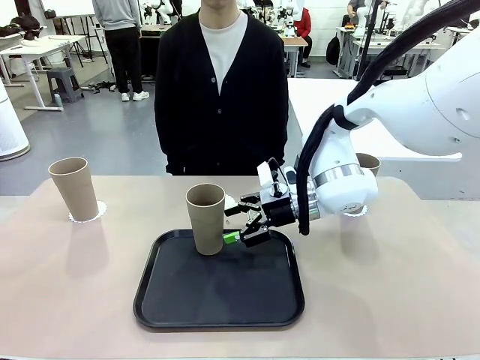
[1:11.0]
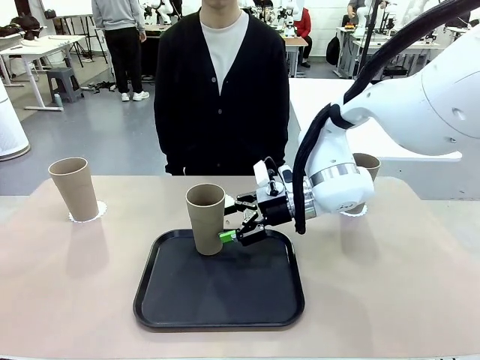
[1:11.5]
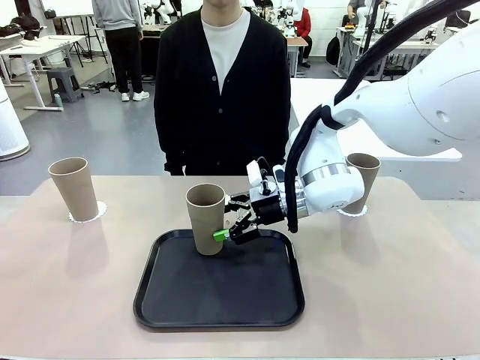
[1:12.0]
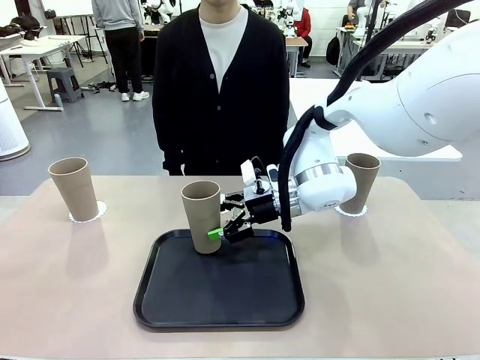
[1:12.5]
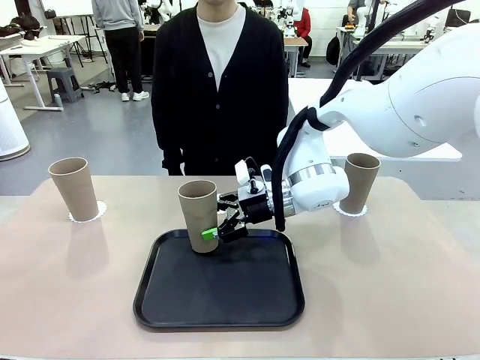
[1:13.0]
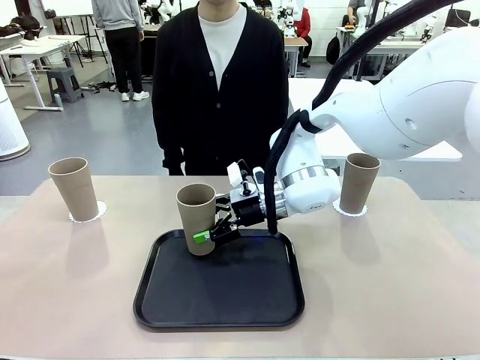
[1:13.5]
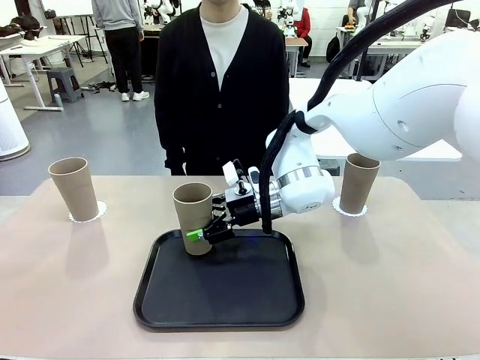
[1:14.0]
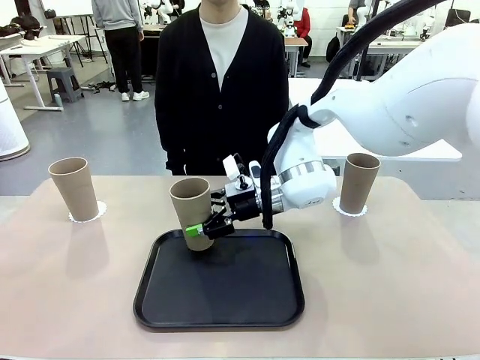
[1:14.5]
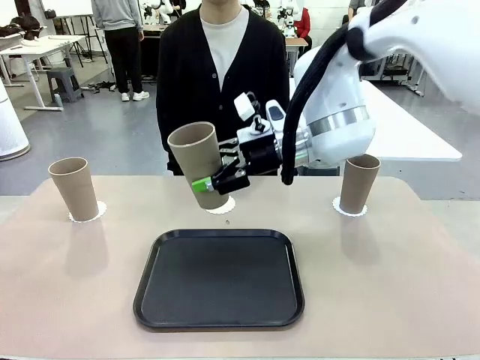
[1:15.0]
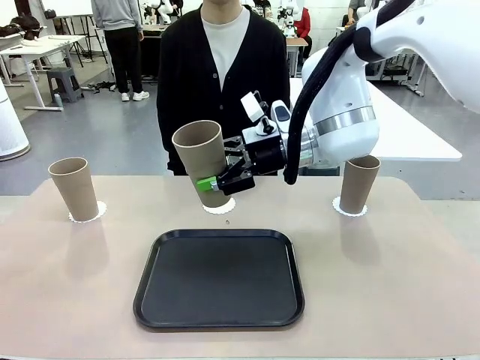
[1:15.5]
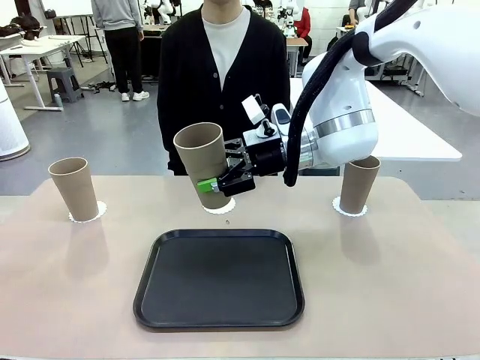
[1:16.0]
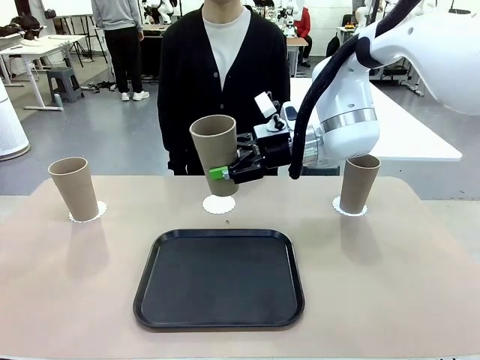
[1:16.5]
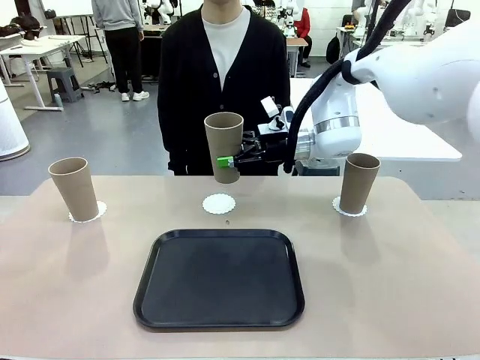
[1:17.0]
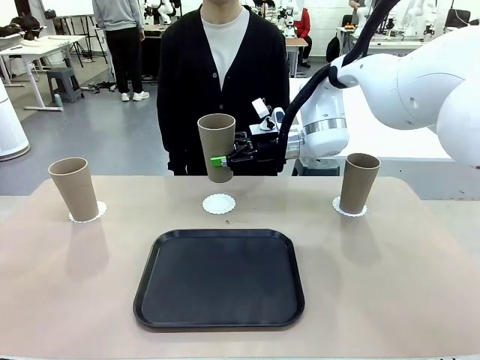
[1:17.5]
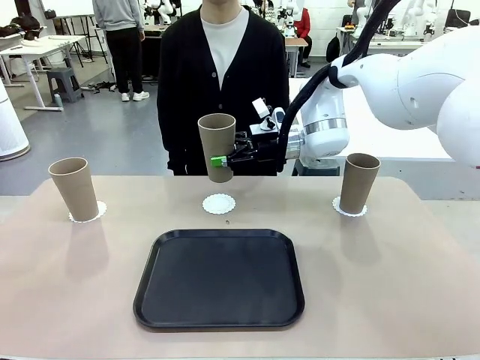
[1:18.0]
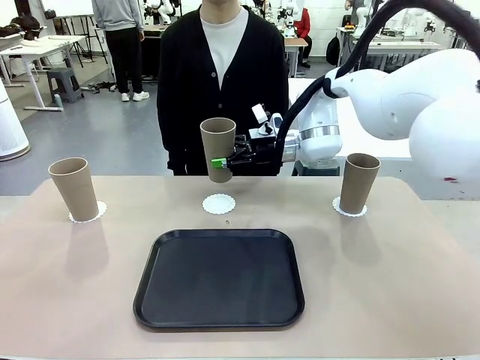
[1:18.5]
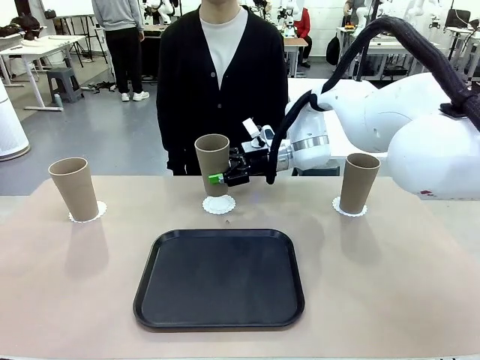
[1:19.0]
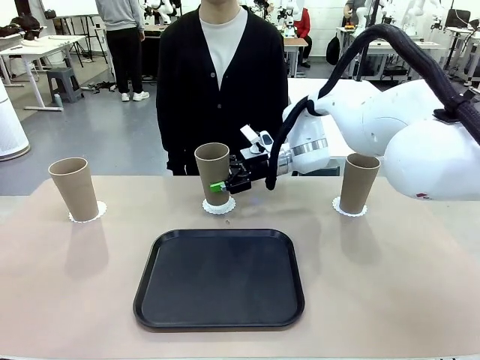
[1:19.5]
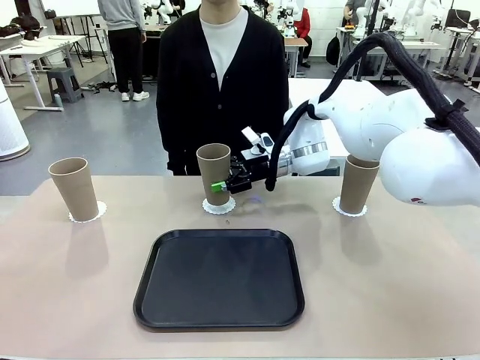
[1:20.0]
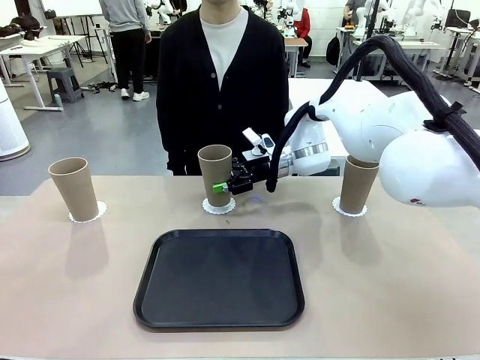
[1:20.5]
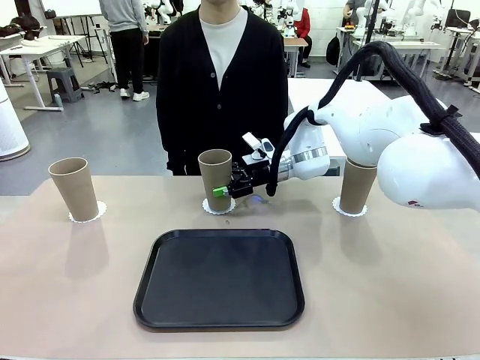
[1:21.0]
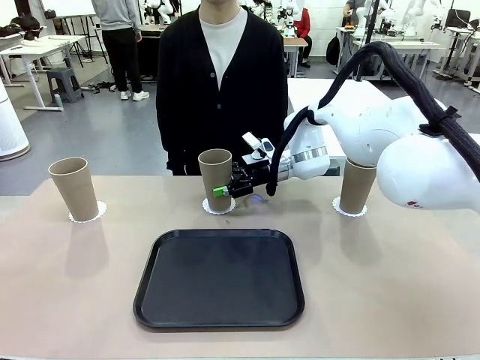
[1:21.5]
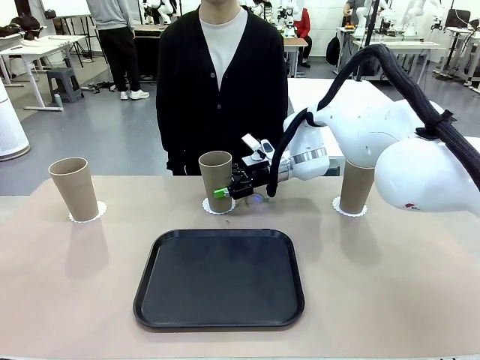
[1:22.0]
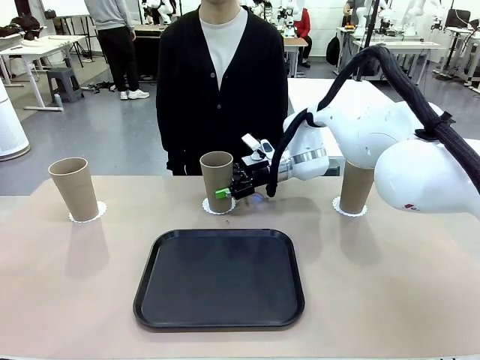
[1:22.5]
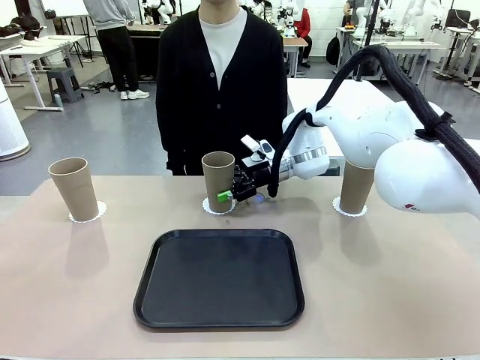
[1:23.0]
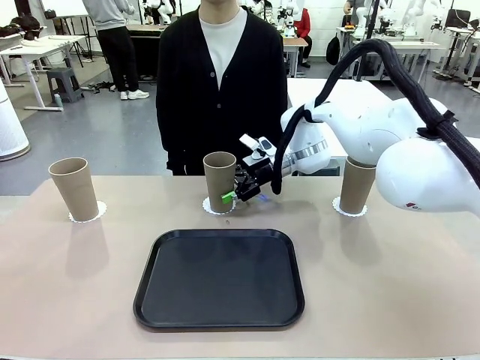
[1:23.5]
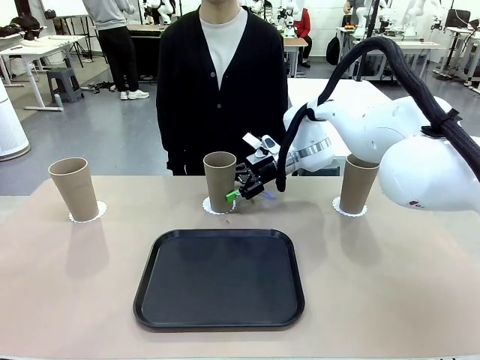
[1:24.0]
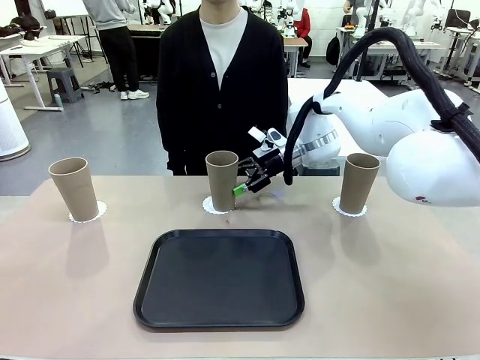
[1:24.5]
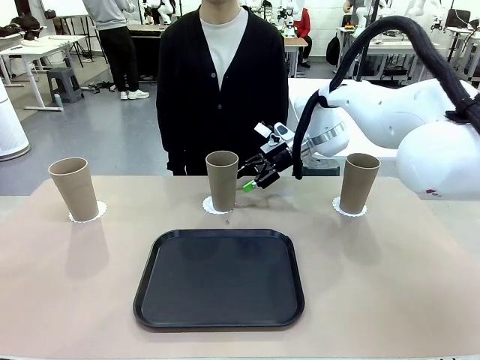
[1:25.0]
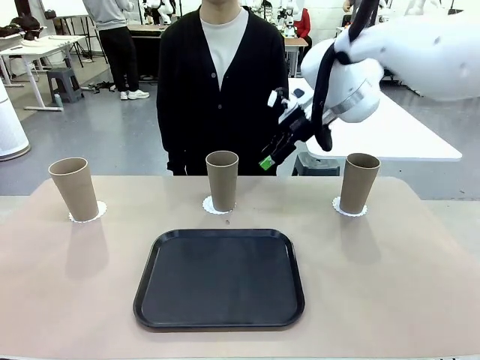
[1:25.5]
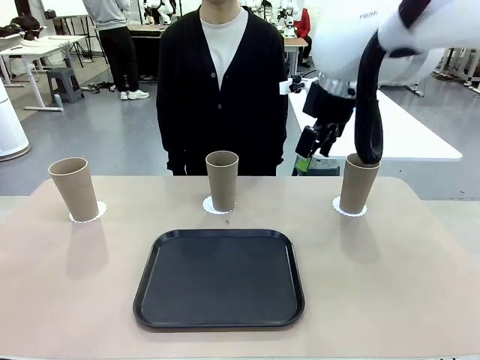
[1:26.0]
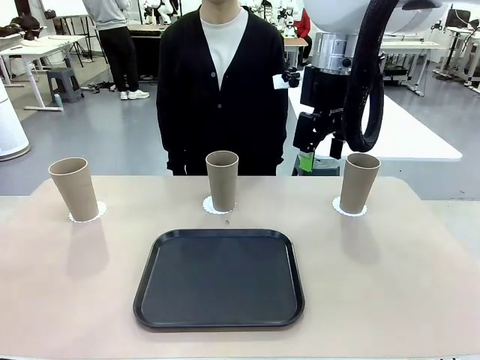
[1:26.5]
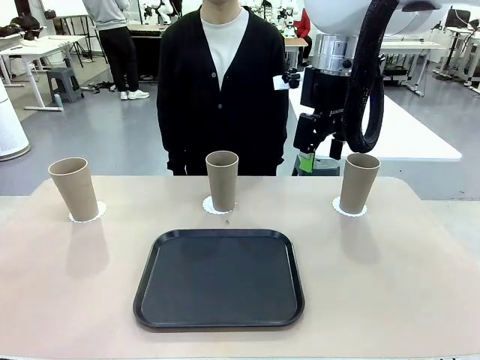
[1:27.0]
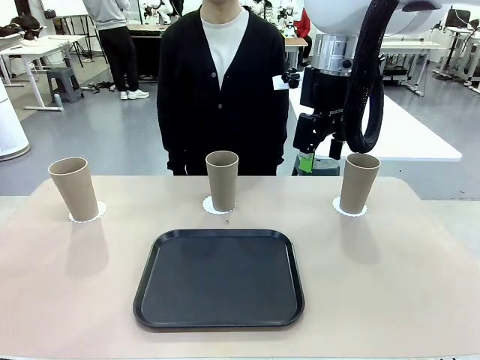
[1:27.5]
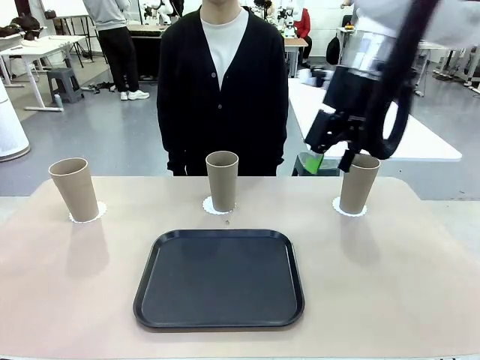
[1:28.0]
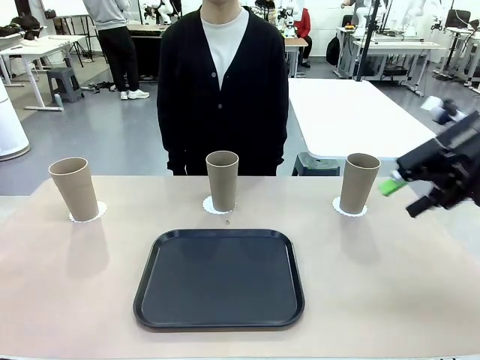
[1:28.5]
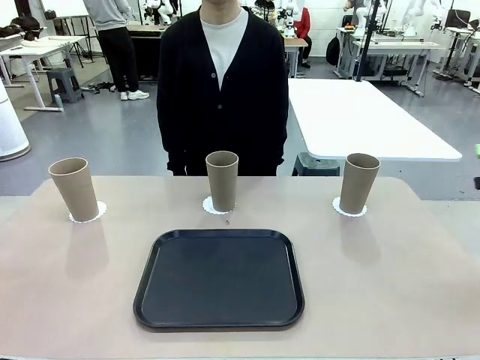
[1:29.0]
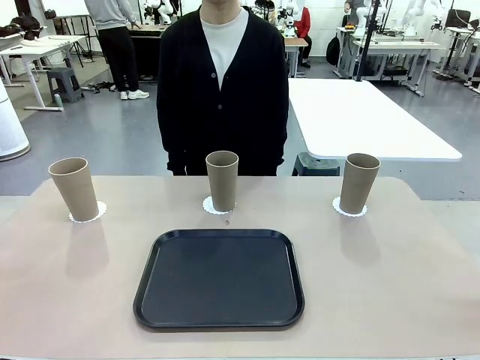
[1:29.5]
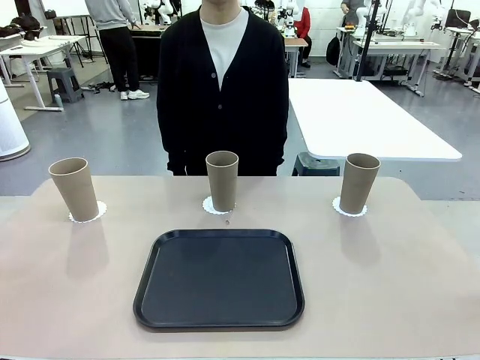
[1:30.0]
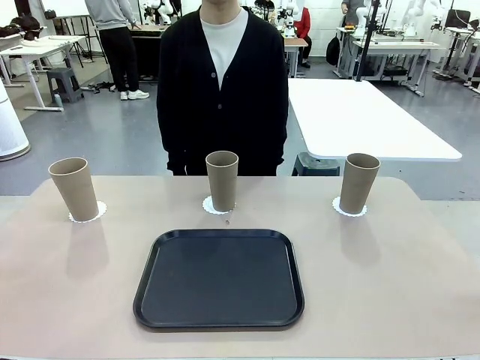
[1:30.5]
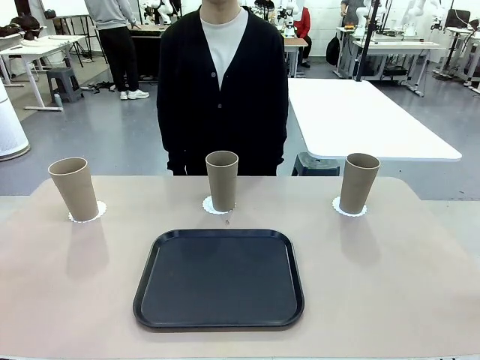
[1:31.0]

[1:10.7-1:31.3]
Task: Place coasters on the table and set cups on them.
Robot: Take one Reusable plastic cup from the Flat Tray and place it on a coaster set by the human.

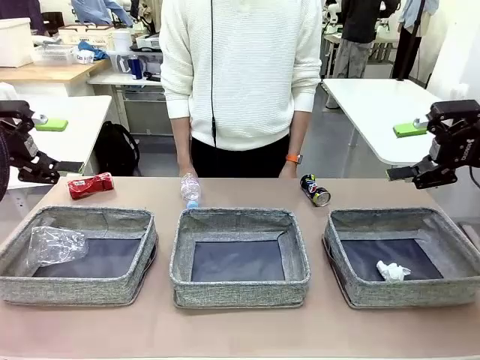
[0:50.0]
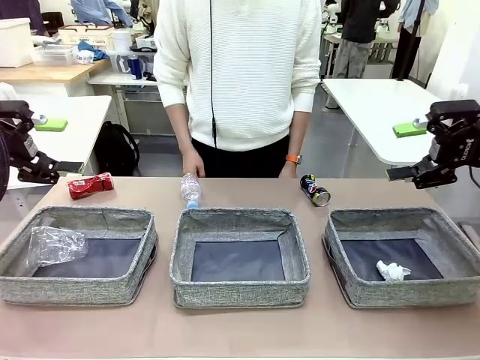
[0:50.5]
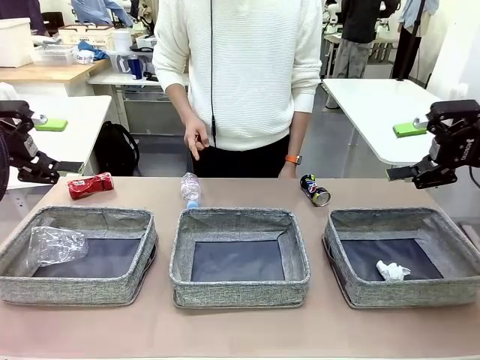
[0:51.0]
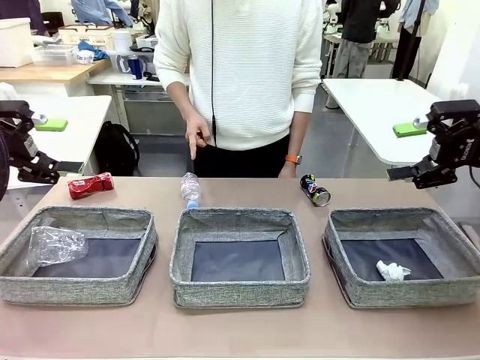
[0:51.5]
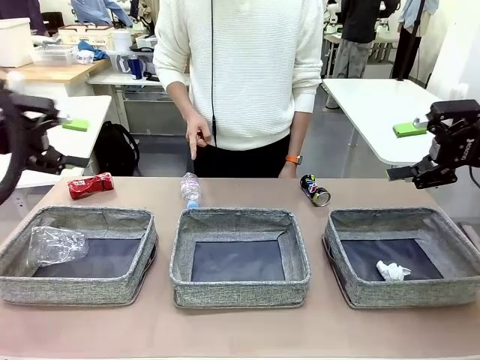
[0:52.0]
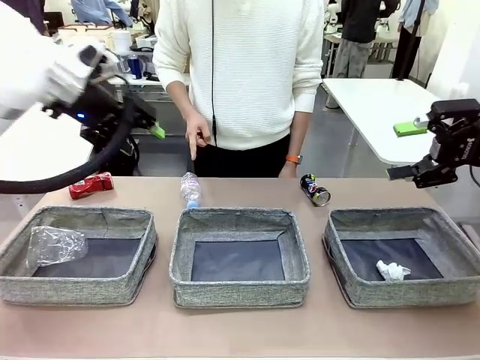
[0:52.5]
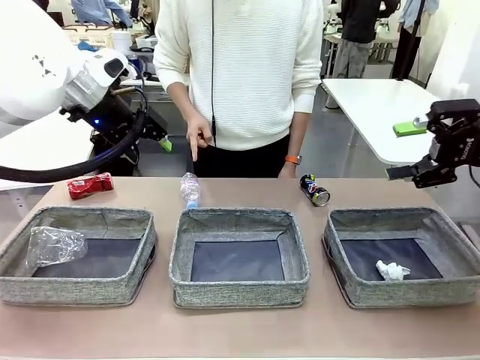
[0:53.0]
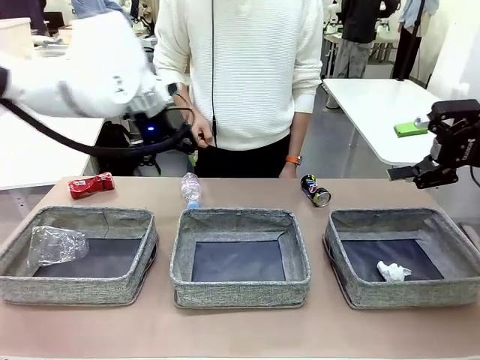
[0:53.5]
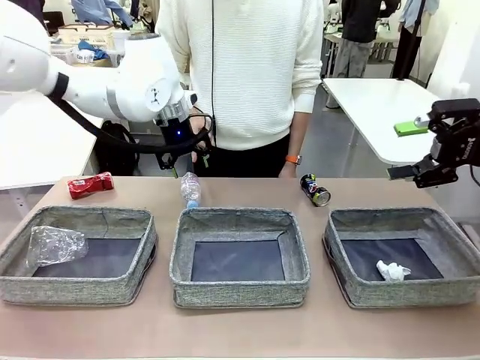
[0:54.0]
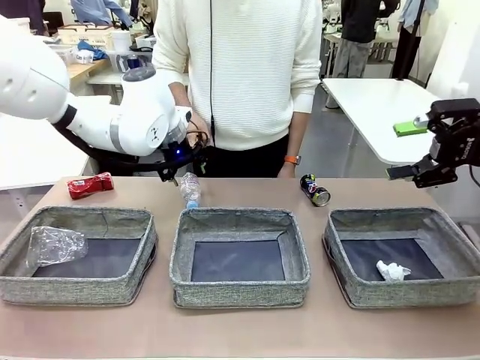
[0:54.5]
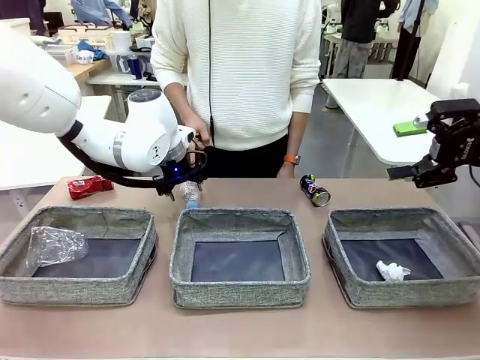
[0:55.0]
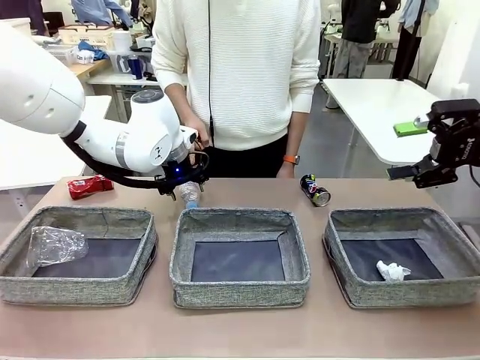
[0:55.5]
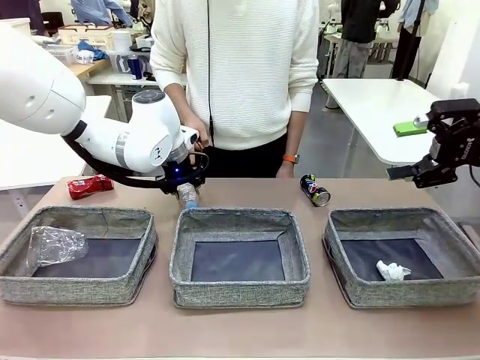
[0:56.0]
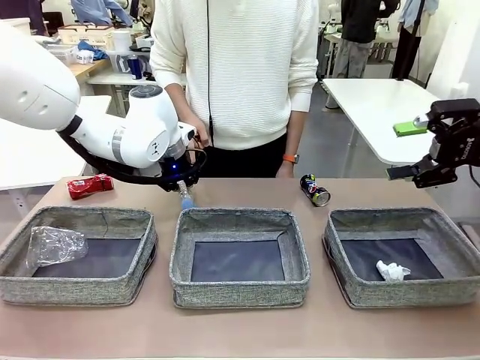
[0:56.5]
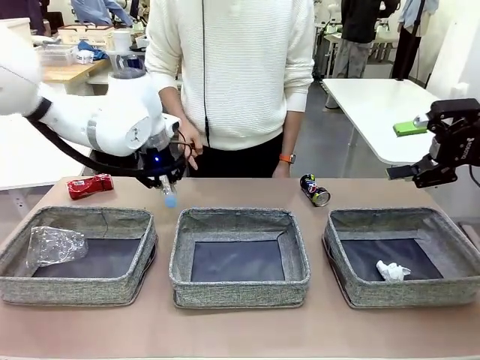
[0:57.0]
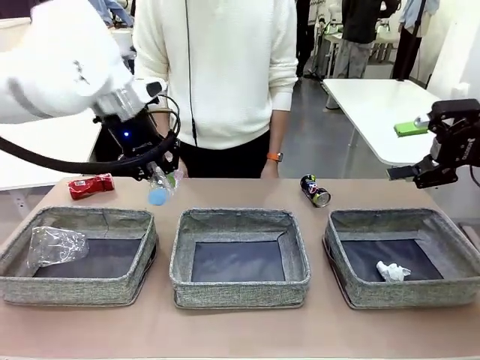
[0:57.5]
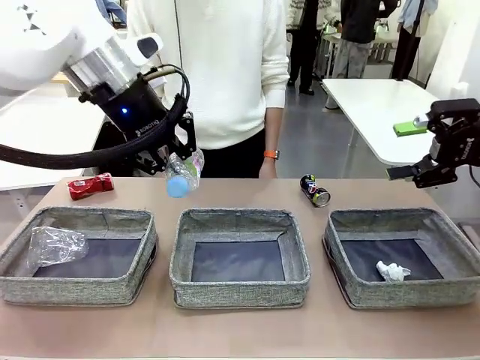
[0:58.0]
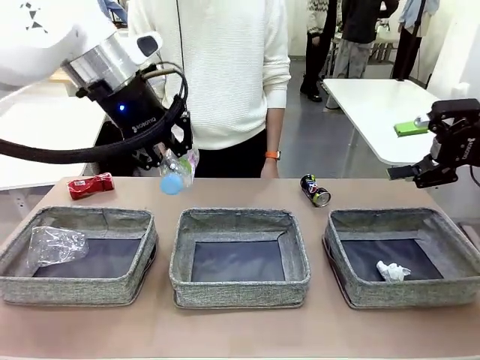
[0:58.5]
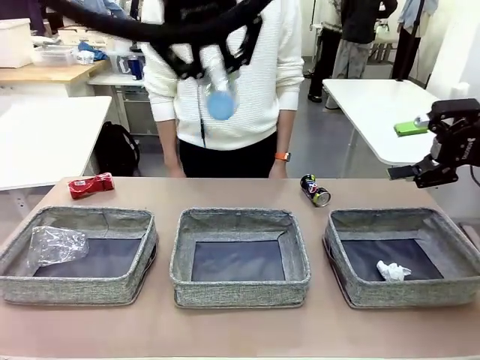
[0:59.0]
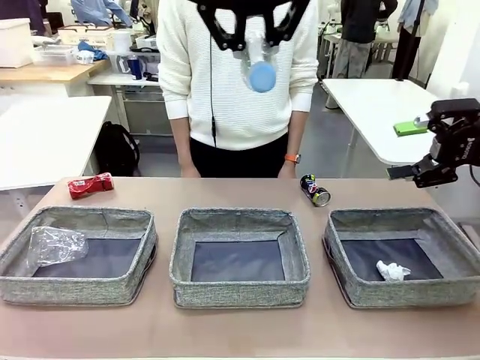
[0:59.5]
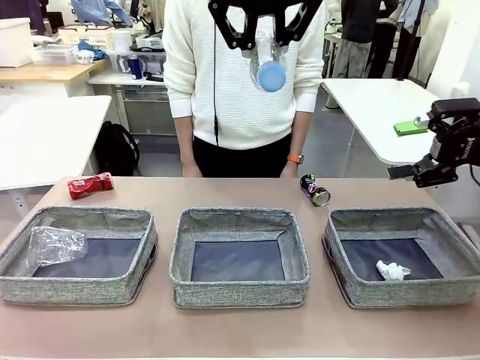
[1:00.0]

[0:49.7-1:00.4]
Task: Sort the waste into the appropriate baskets.
Robot: Pick up the waste item pointed out by the person.
Person: Points to one piece of trash on the table.
